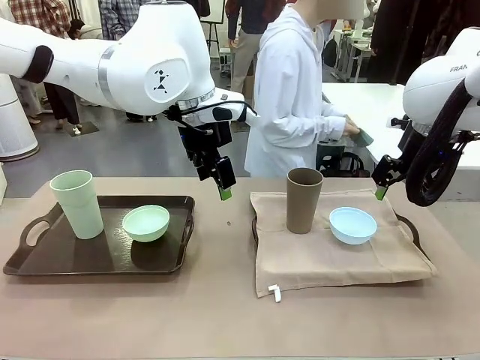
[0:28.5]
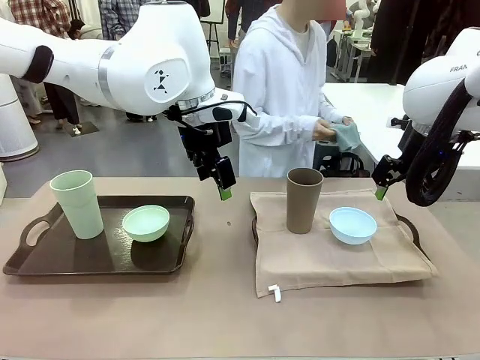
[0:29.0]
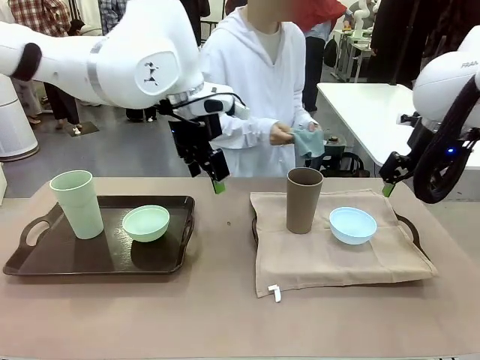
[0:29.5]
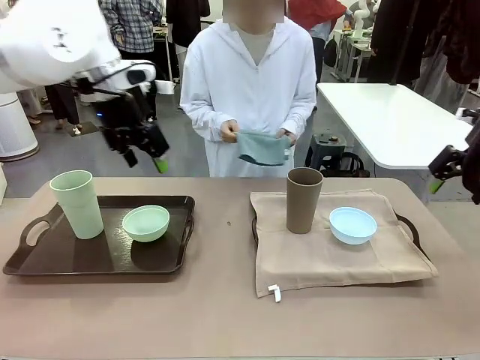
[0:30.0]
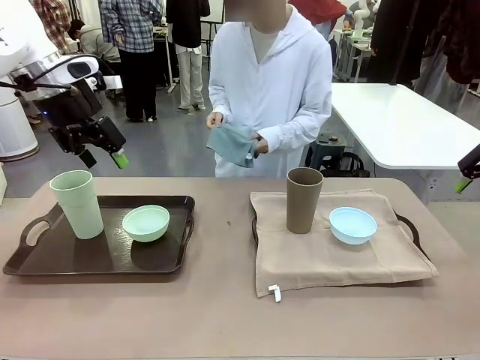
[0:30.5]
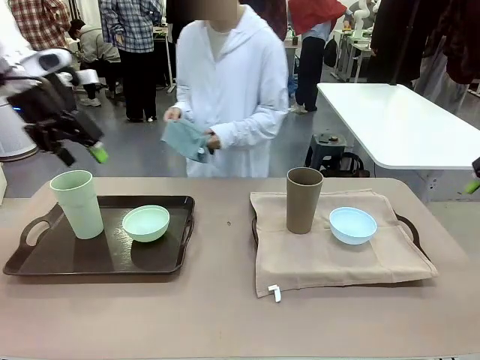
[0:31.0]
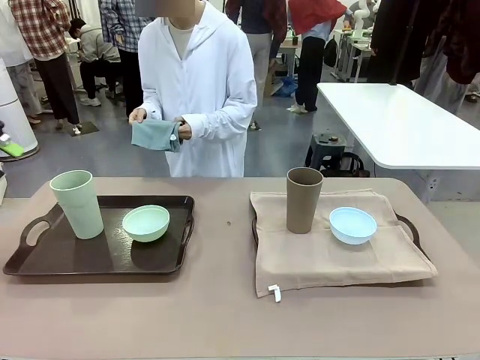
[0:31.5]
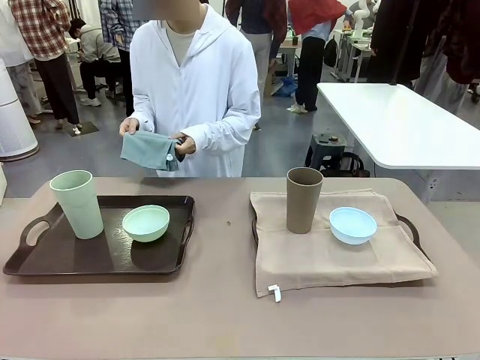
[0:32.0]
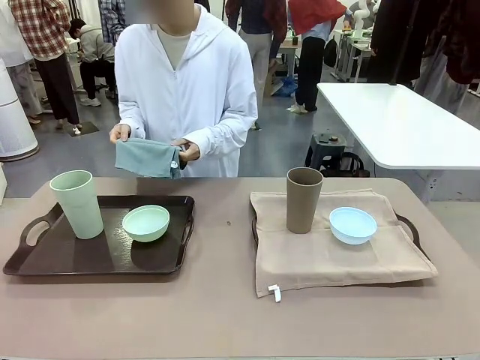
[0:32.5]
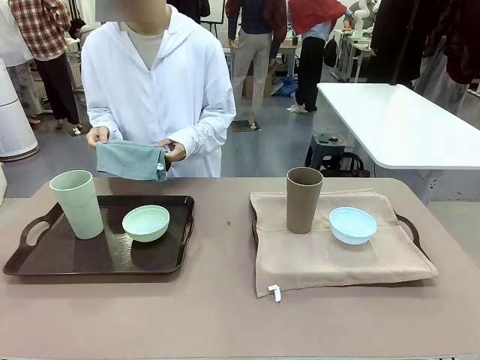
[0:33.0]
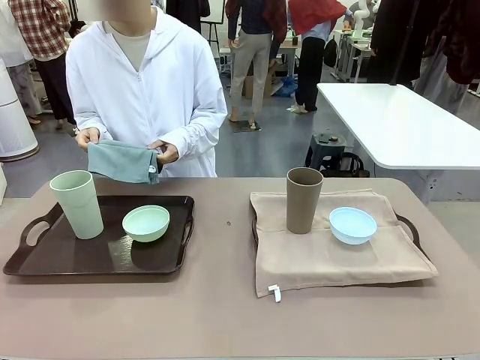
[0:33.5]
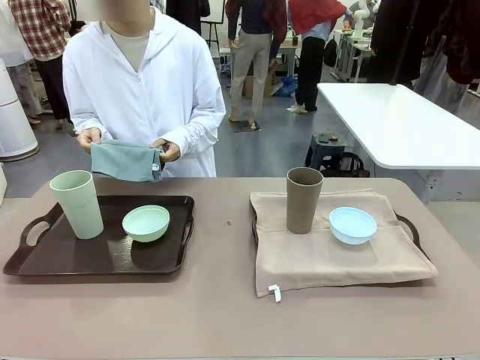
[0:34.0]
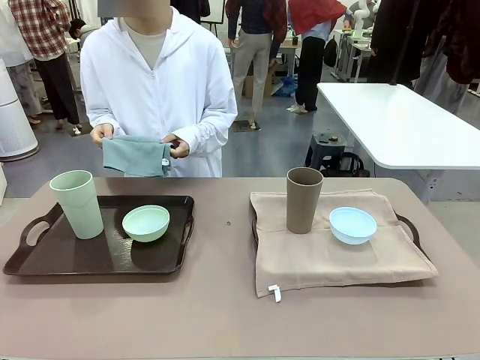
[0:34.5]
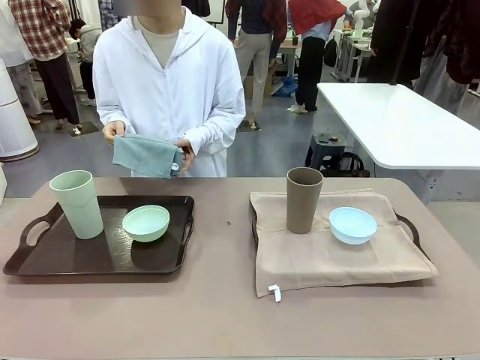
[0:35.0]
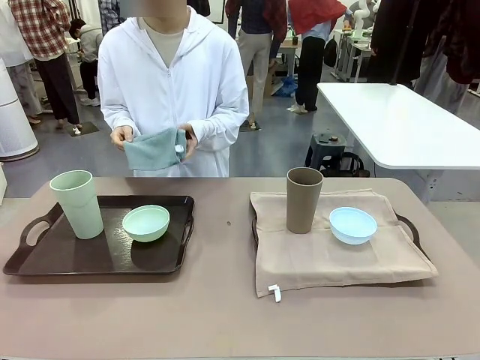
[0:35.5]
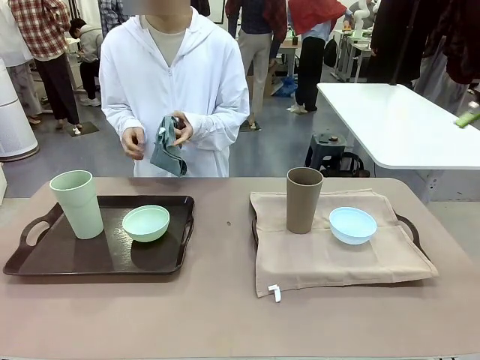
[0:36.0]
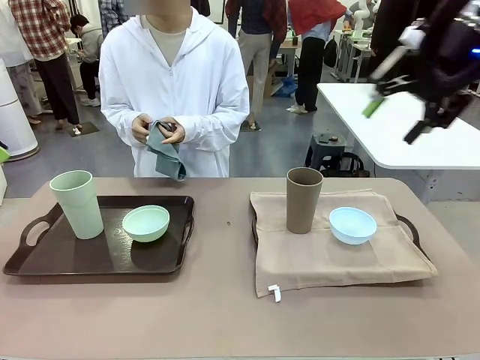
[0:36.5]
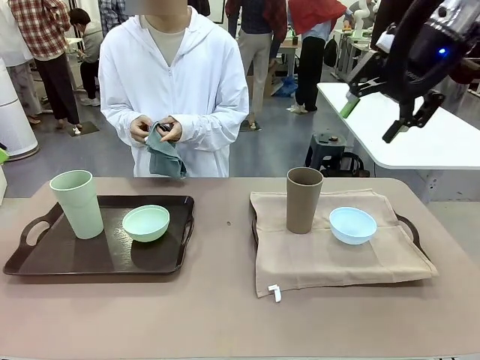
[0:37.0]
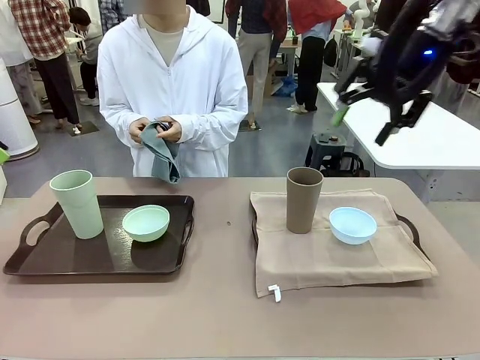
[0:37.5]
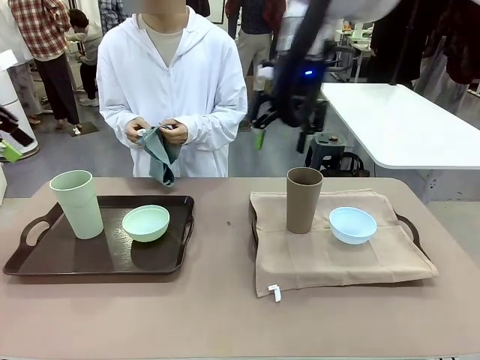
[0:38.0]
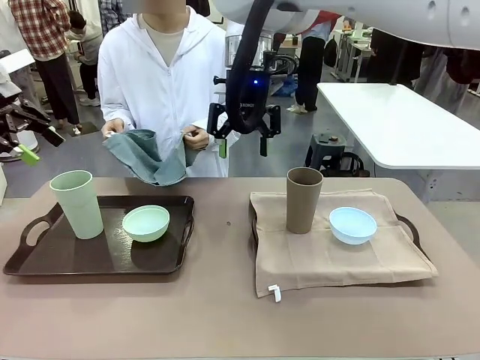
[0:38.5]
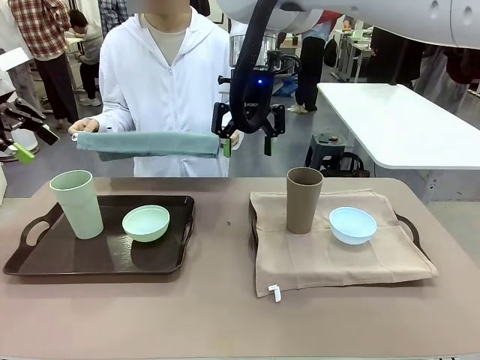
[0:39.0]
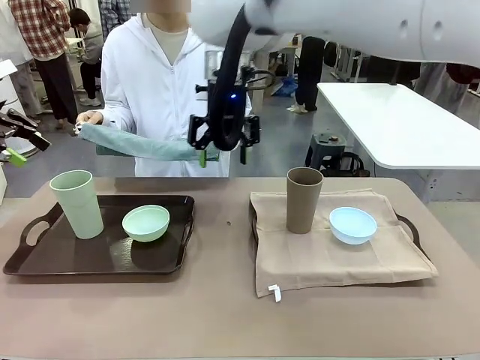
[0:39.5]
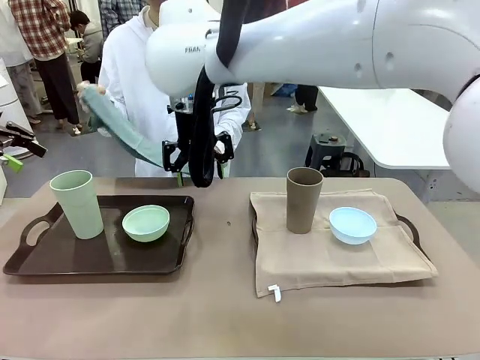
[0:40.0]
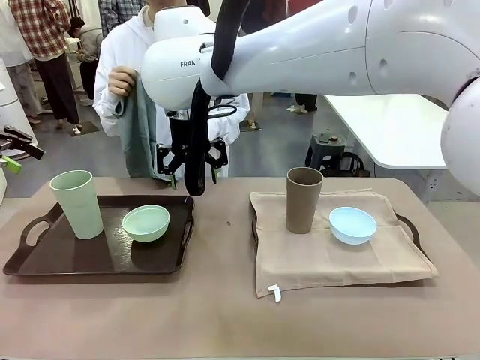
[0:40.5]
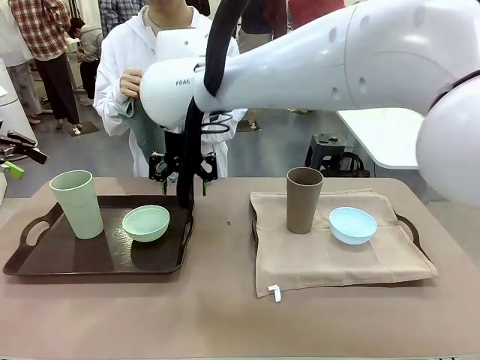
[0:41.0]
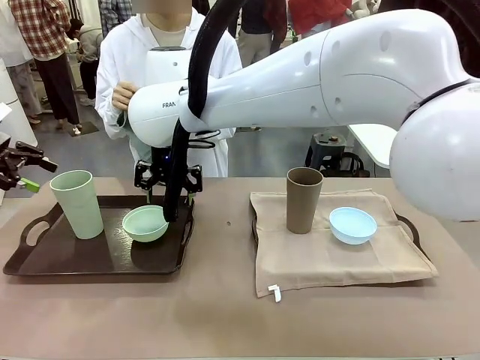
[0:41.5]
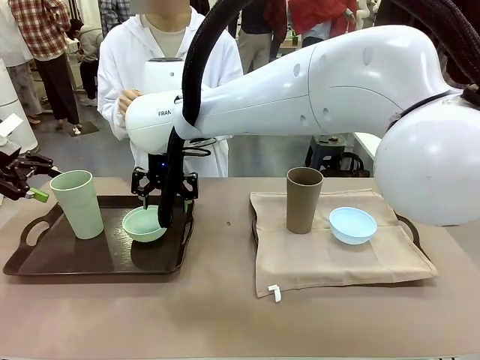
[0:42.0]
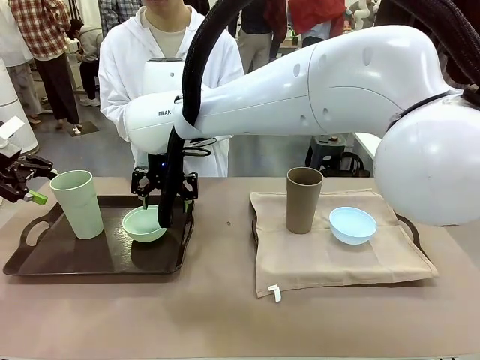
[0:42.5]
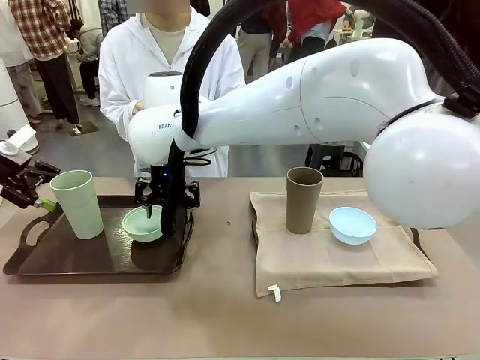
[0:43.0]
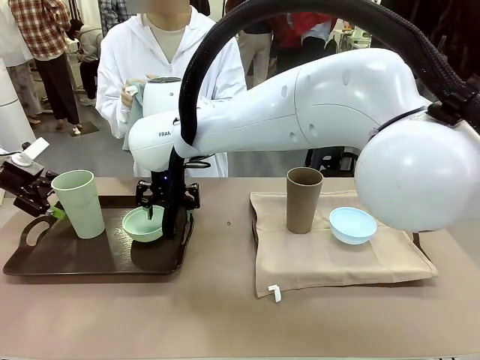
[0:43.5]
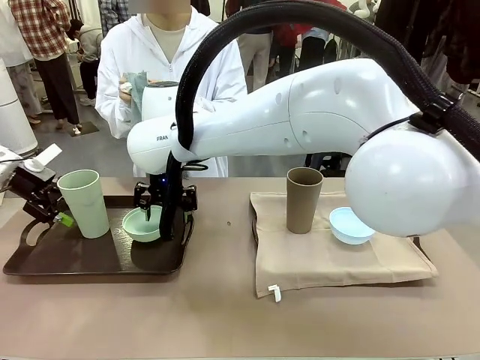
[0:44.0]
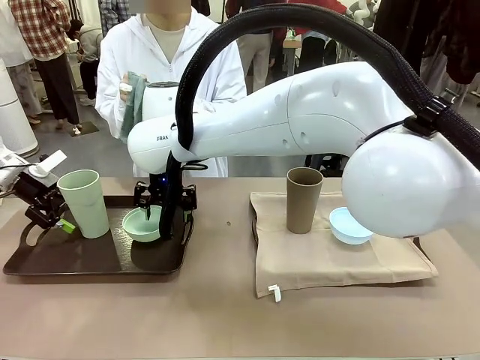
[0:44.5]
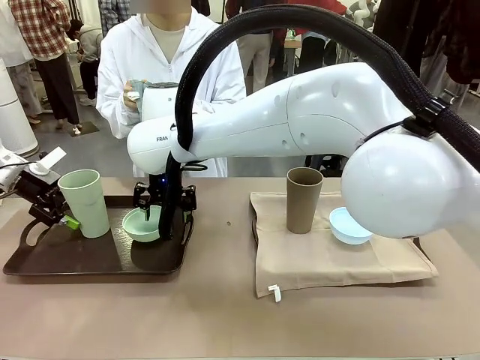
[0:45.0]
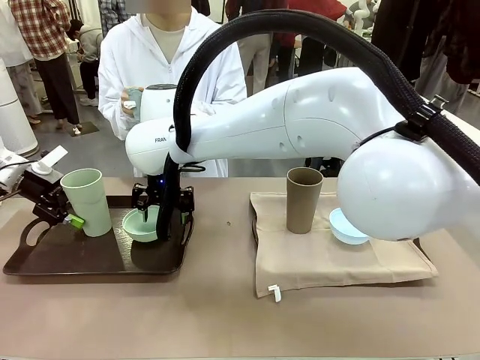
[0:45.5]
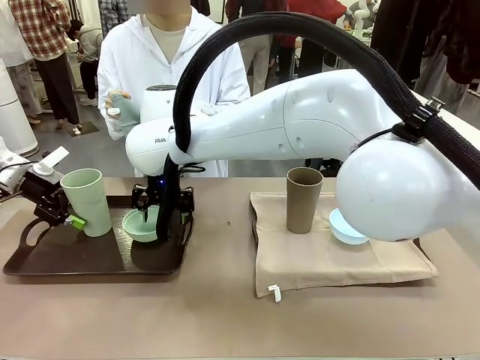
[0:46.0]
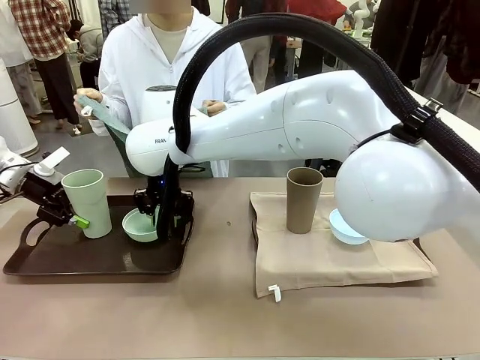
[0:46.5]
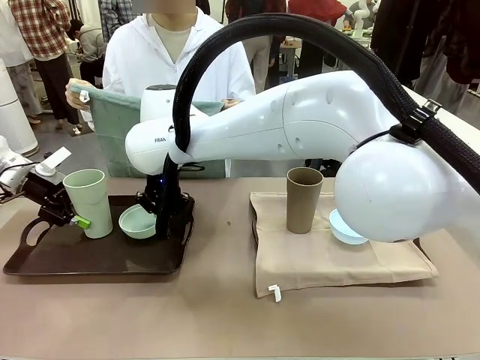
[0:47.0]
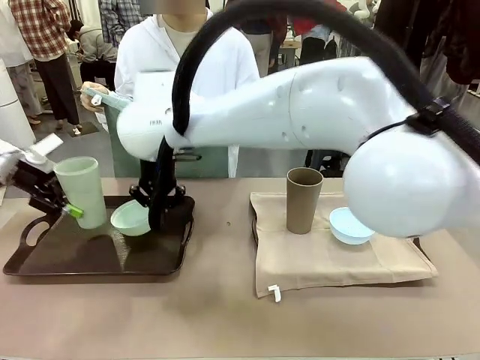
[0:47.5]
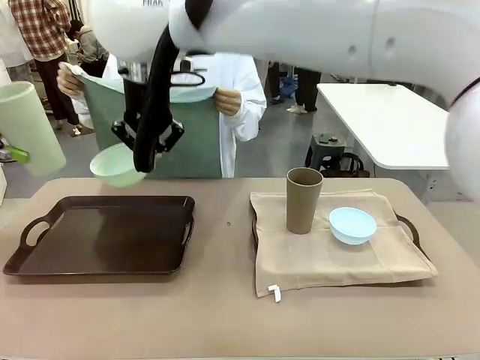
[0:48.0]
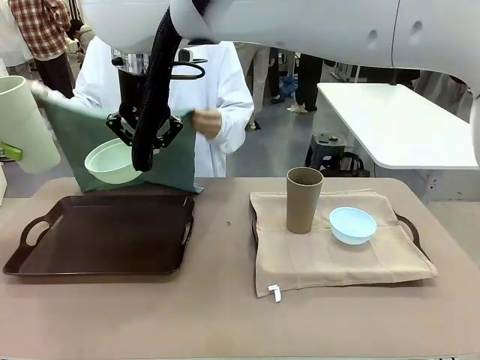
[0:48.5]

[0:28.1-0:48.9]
Robot: Pick up the Picnic Bowl and Reusable plastic cup from the Handle tray in front of the human's position and hold them in the air.
Person: When the robot lifts the bowl and the cup, the human unfolds the napkin and lays the napkin flat on the tray.
